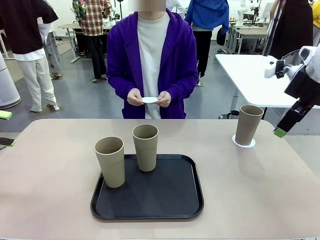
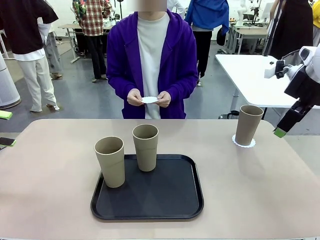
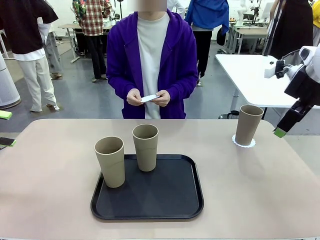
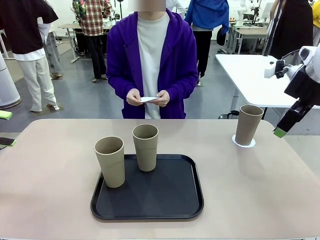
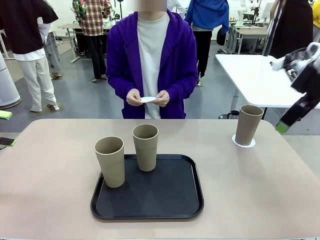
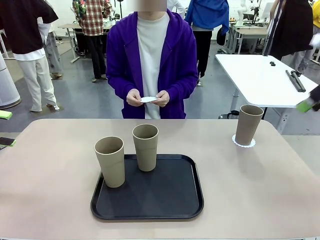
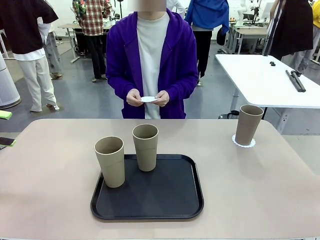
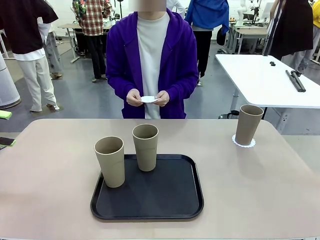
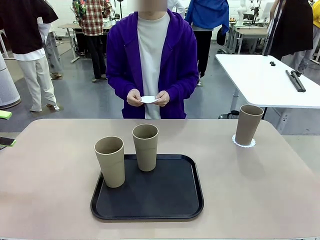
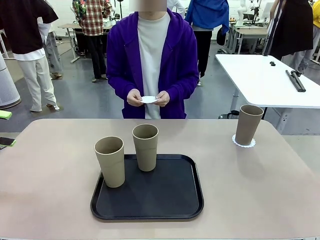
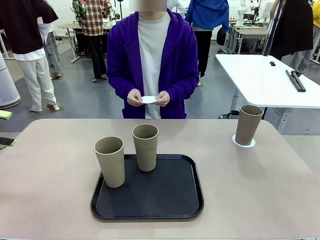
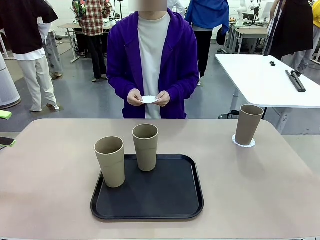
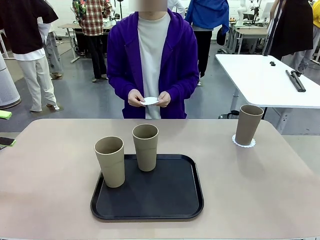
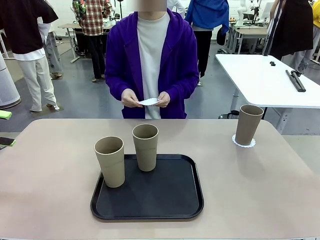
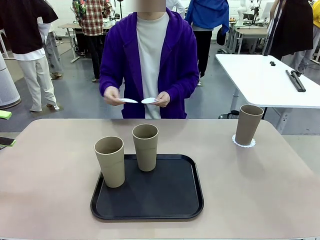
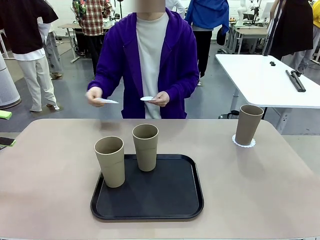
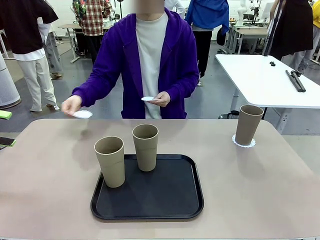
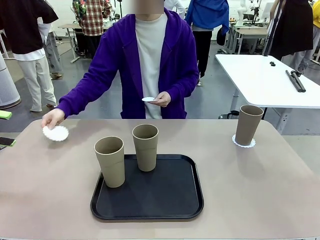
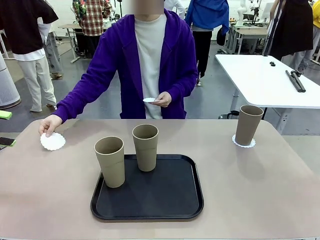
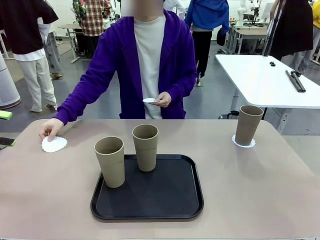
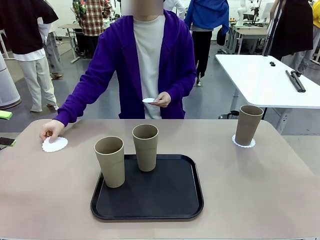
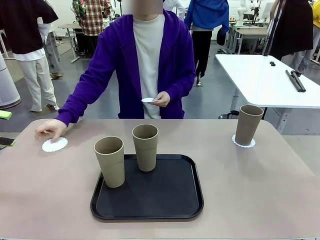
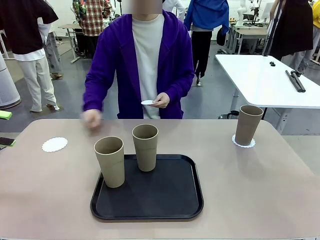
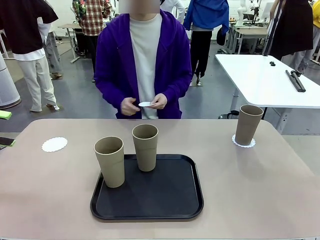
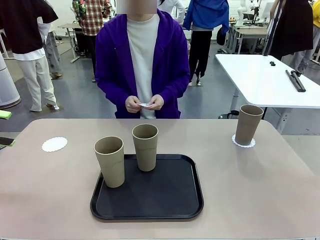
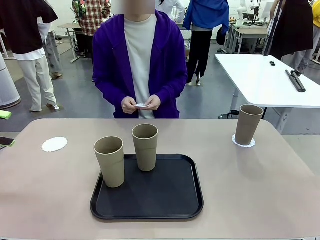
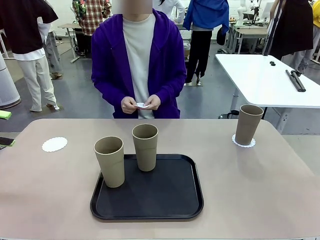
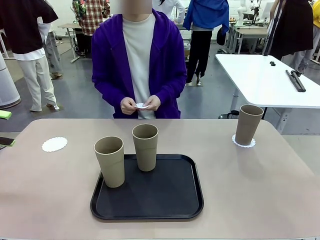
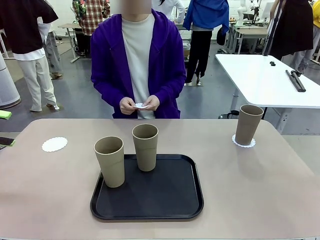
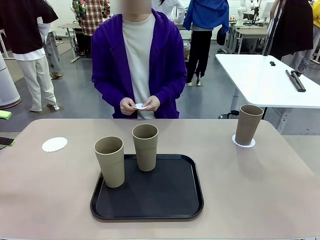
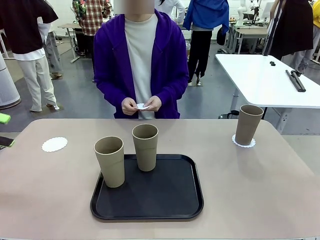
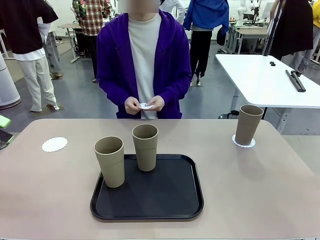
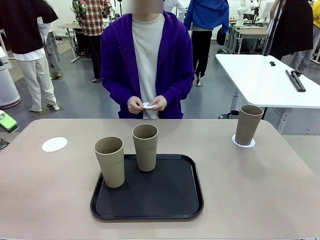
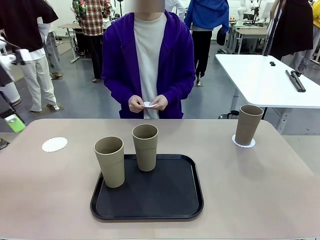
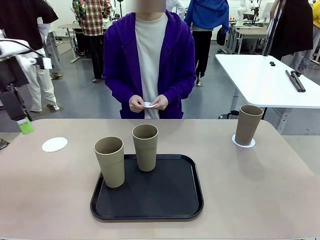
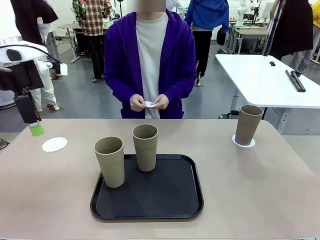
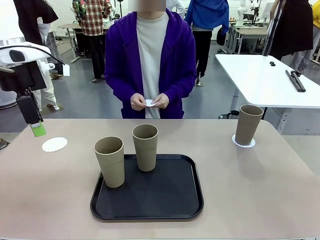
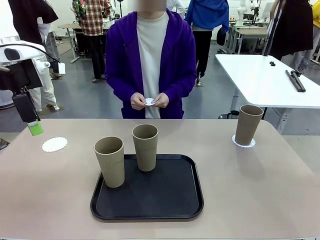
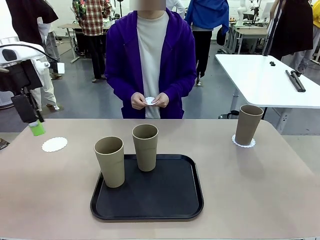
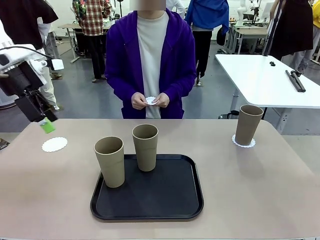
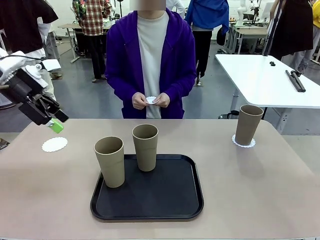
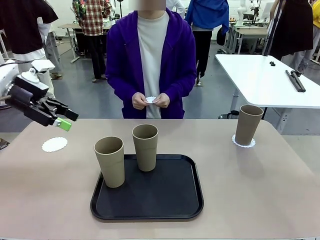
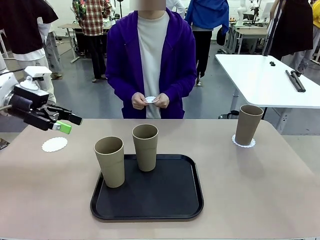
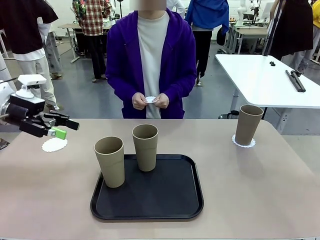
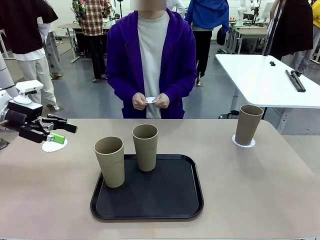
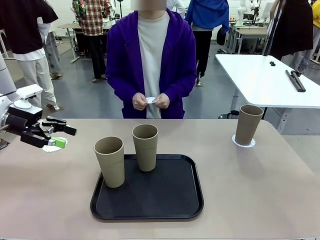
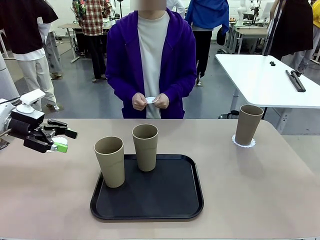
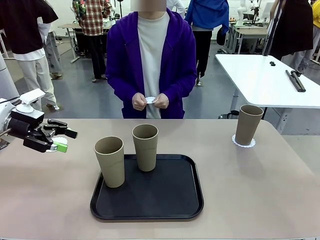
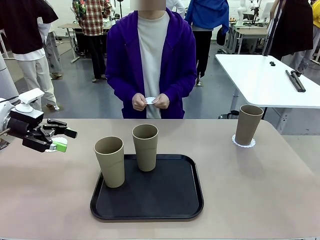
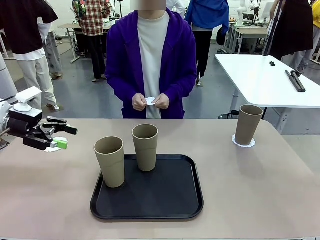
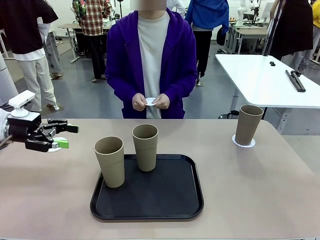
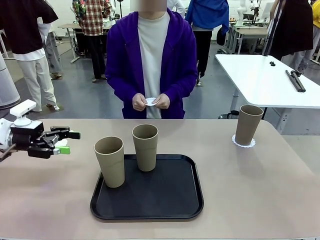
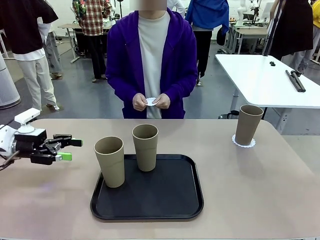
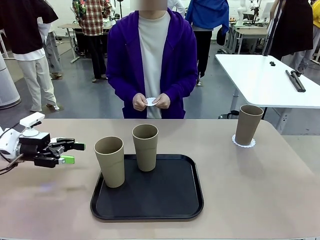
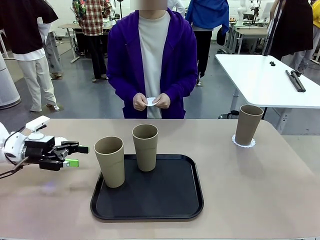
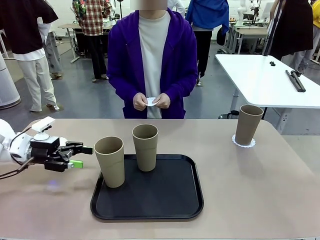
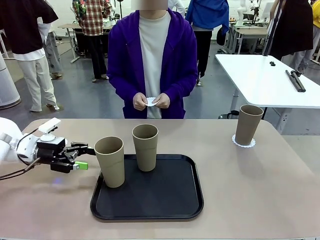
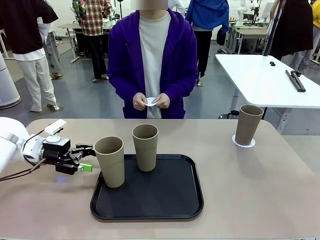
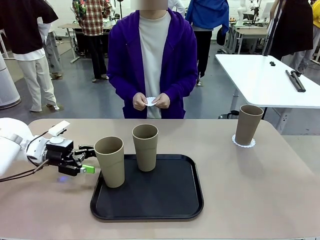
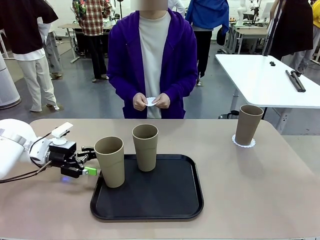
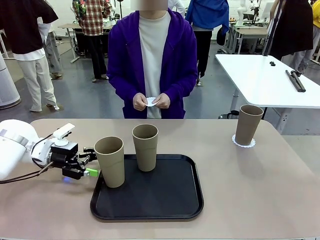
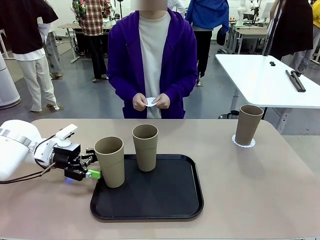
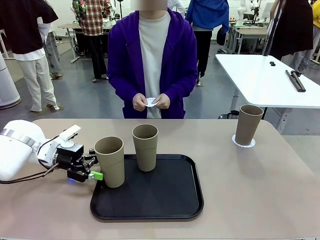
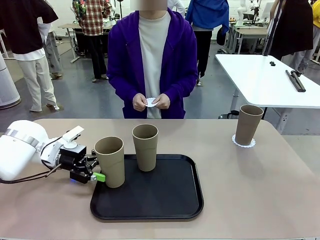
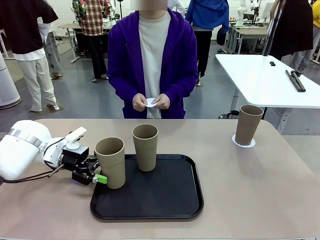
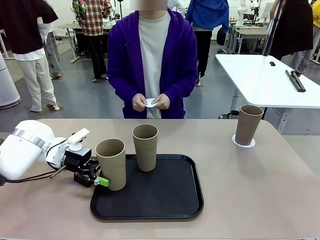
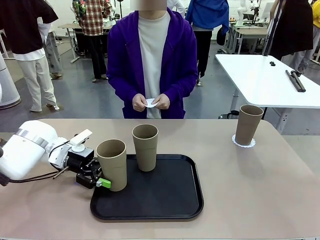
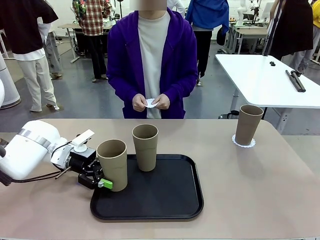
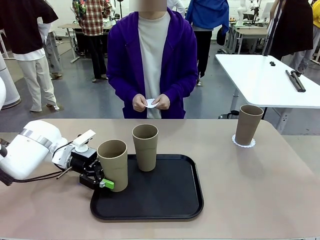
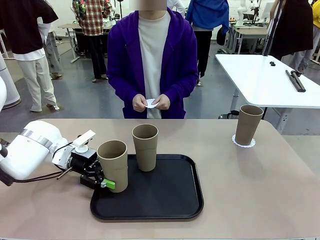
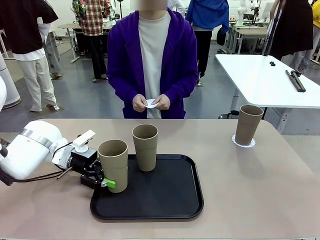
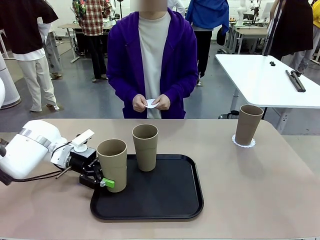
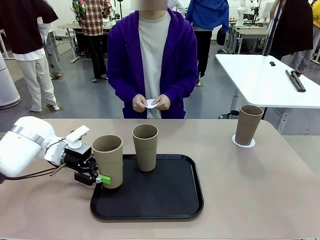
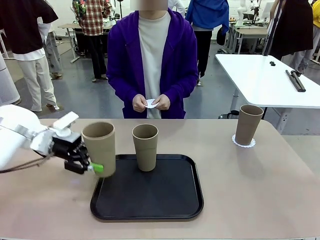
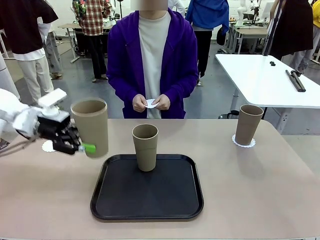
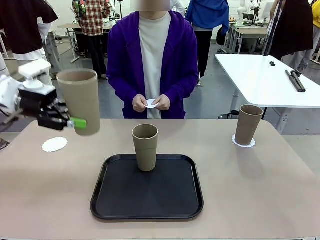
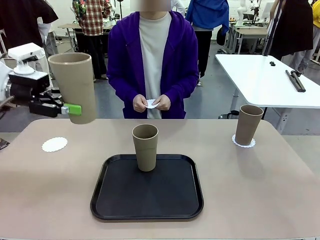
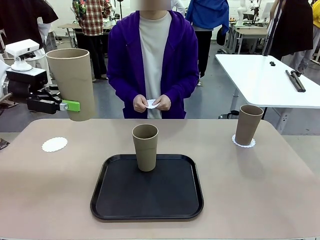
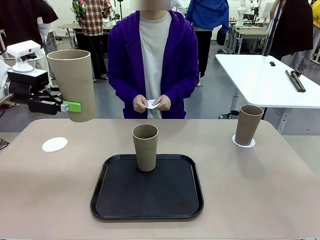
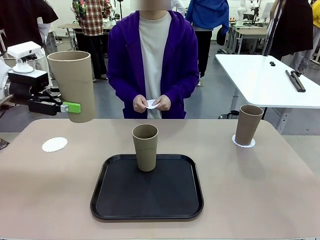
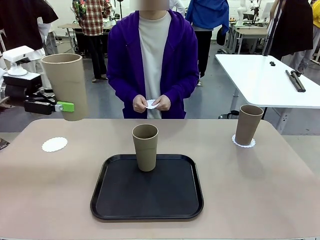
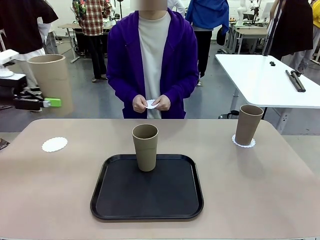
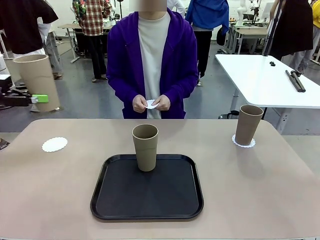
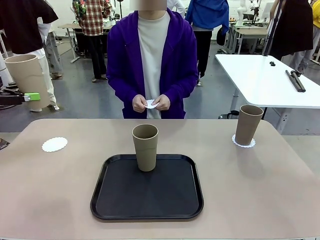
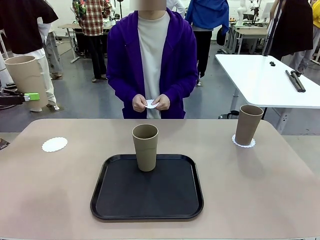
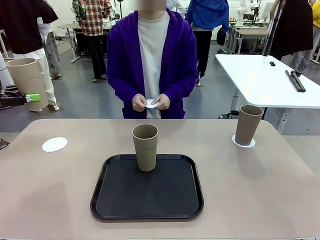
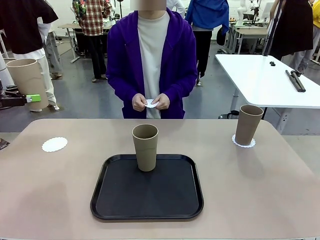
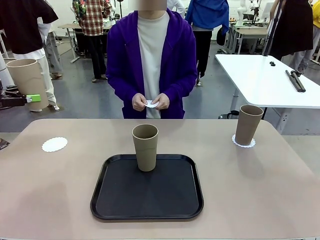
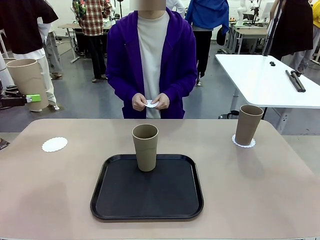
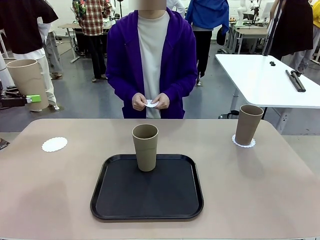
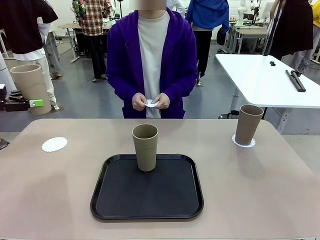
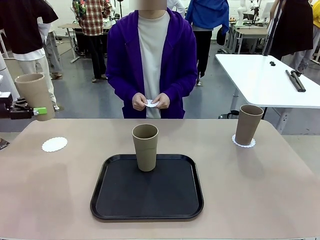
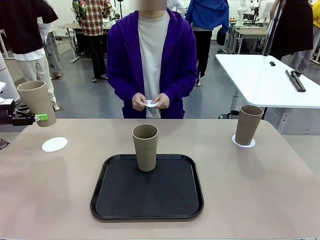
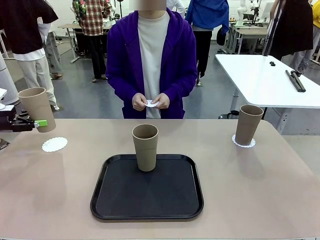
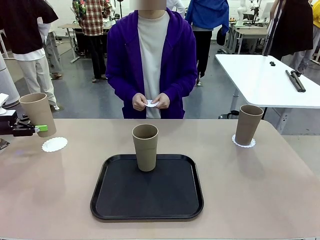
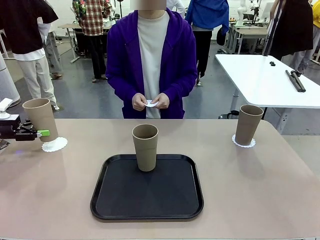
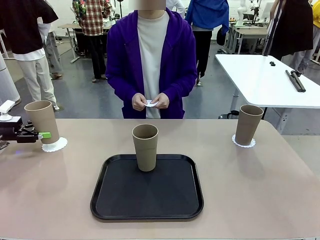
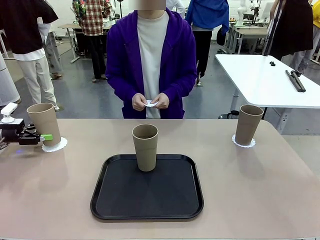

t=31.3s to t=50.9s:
Task: Place coasters on the table and set cups on them.
Robot: Take one Reusable plastic cup from the Flat Tray and place it on a coaster set by the human.
